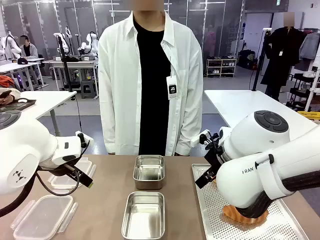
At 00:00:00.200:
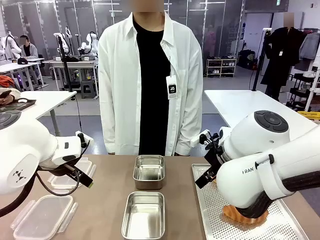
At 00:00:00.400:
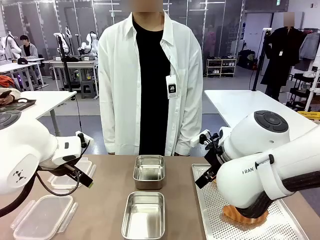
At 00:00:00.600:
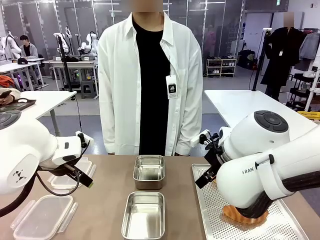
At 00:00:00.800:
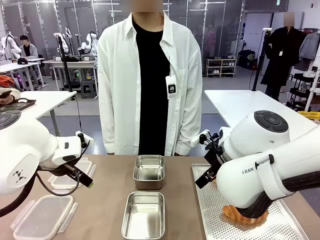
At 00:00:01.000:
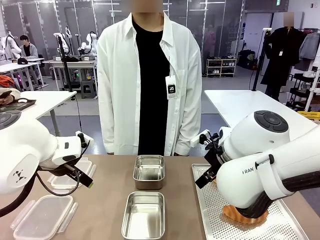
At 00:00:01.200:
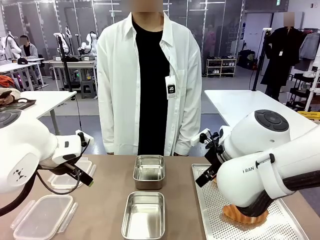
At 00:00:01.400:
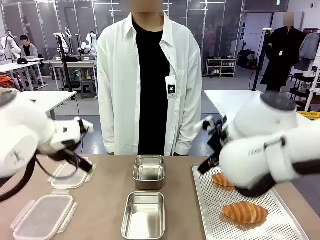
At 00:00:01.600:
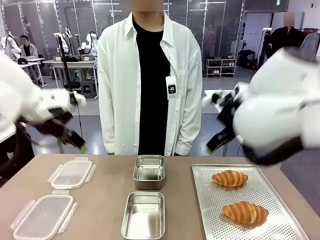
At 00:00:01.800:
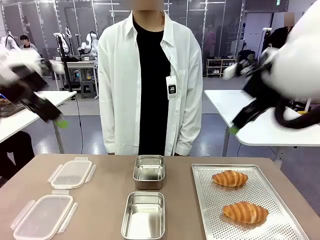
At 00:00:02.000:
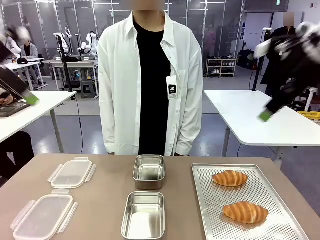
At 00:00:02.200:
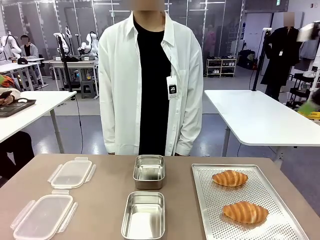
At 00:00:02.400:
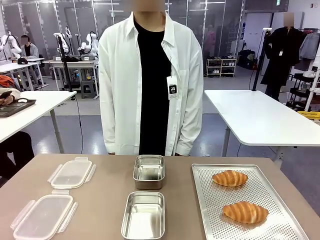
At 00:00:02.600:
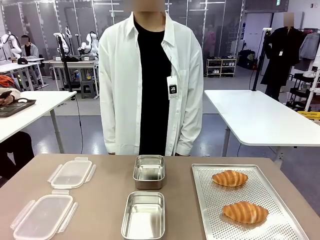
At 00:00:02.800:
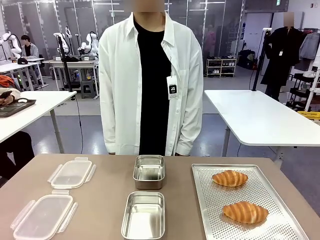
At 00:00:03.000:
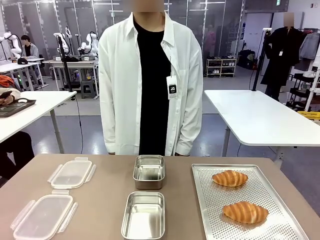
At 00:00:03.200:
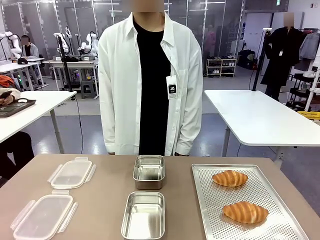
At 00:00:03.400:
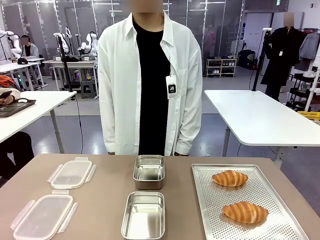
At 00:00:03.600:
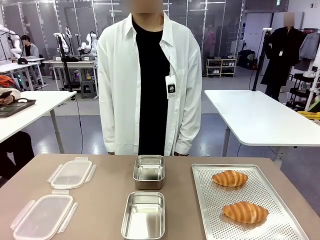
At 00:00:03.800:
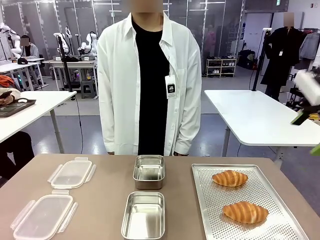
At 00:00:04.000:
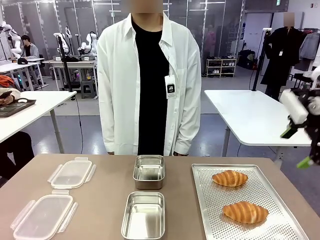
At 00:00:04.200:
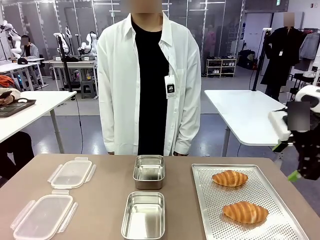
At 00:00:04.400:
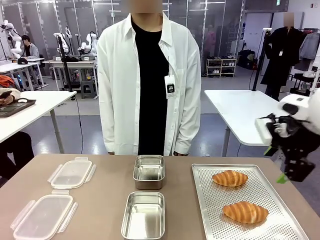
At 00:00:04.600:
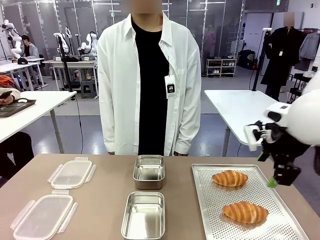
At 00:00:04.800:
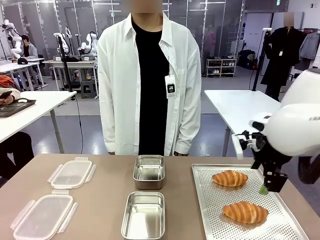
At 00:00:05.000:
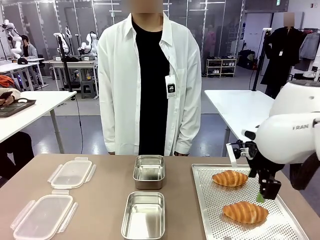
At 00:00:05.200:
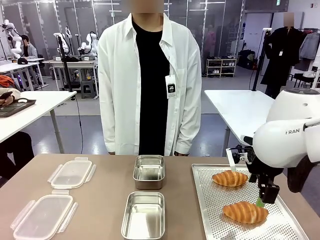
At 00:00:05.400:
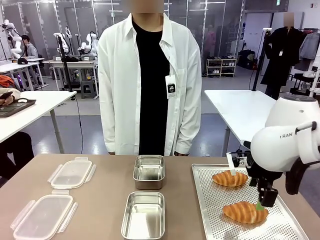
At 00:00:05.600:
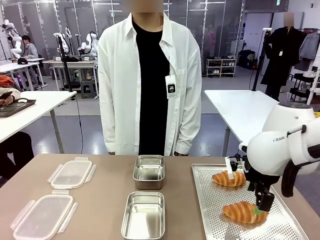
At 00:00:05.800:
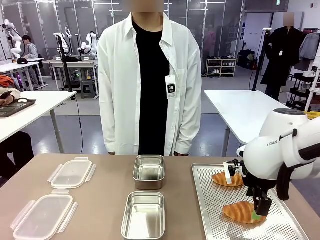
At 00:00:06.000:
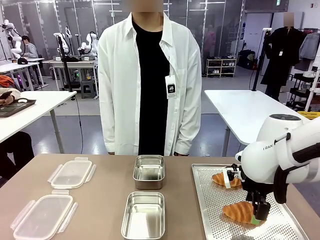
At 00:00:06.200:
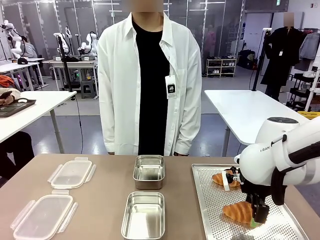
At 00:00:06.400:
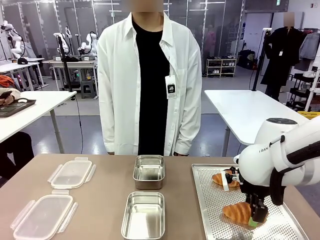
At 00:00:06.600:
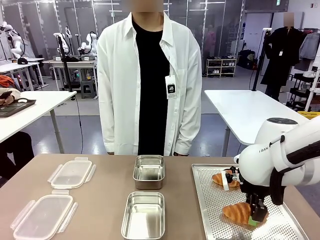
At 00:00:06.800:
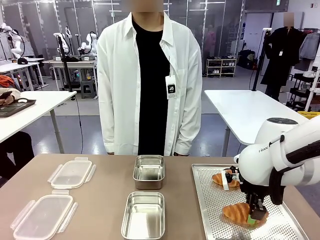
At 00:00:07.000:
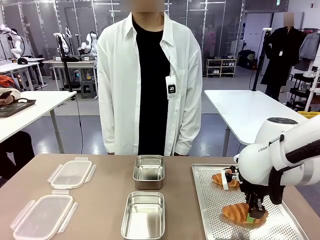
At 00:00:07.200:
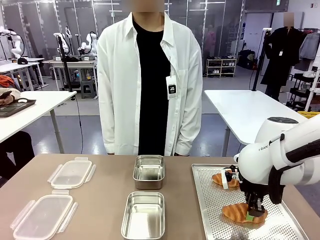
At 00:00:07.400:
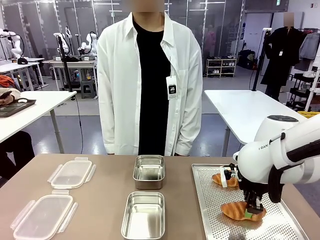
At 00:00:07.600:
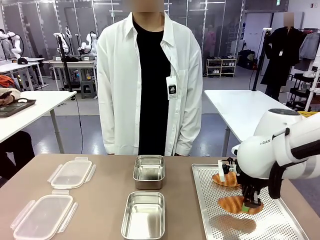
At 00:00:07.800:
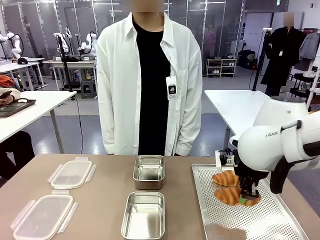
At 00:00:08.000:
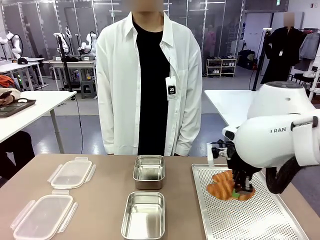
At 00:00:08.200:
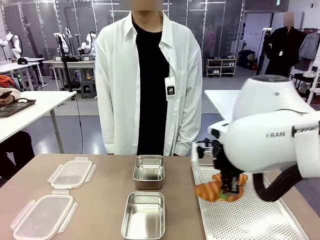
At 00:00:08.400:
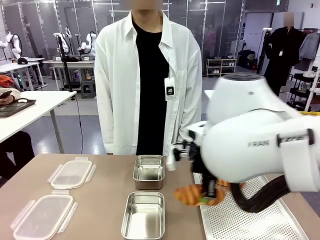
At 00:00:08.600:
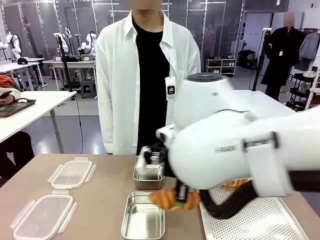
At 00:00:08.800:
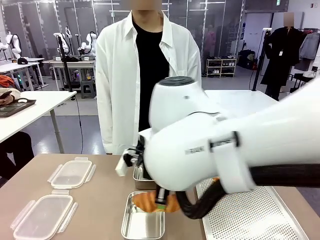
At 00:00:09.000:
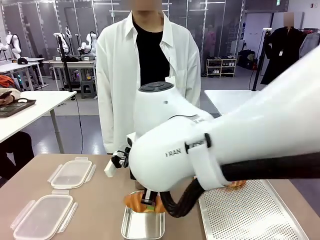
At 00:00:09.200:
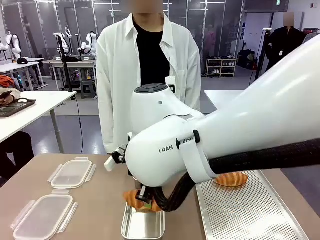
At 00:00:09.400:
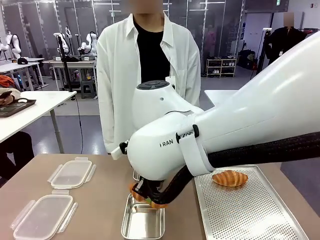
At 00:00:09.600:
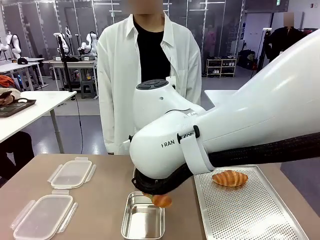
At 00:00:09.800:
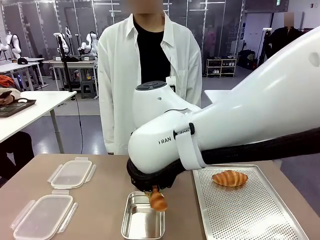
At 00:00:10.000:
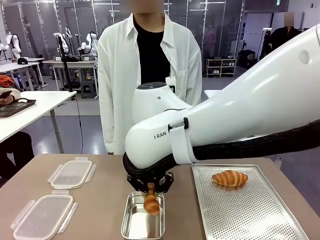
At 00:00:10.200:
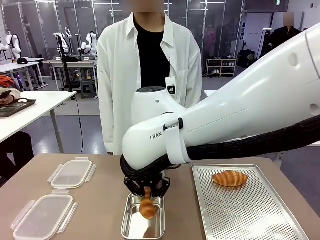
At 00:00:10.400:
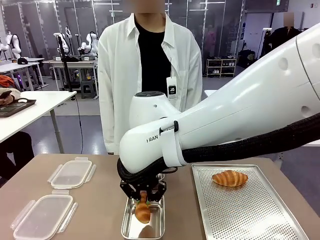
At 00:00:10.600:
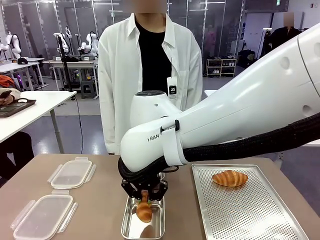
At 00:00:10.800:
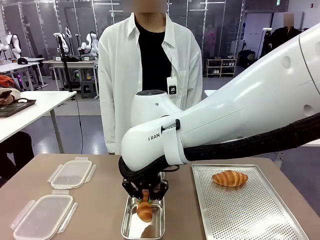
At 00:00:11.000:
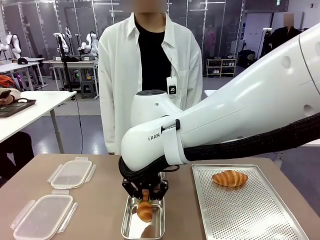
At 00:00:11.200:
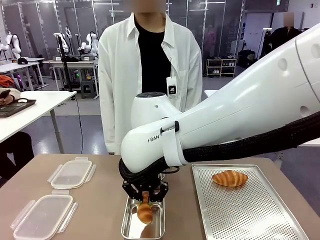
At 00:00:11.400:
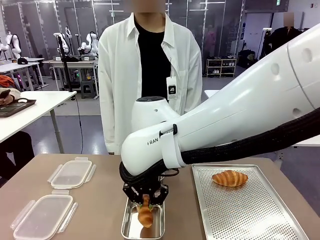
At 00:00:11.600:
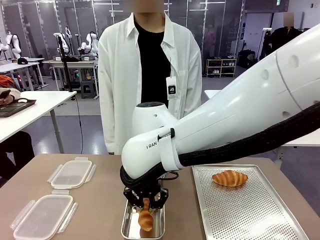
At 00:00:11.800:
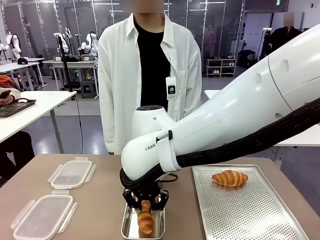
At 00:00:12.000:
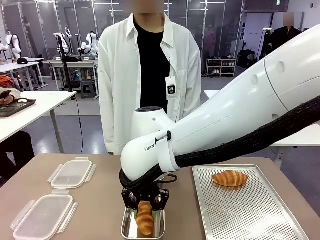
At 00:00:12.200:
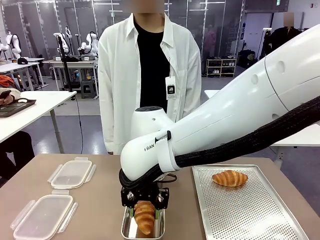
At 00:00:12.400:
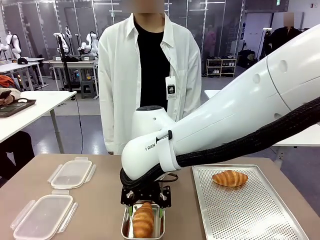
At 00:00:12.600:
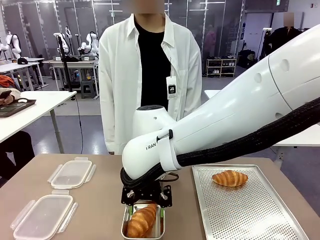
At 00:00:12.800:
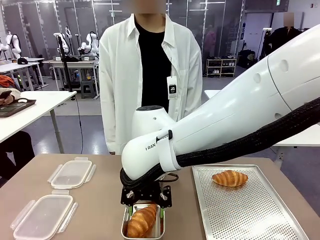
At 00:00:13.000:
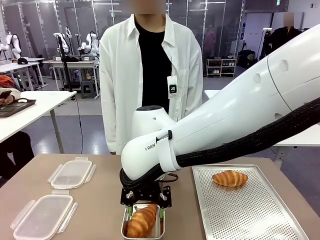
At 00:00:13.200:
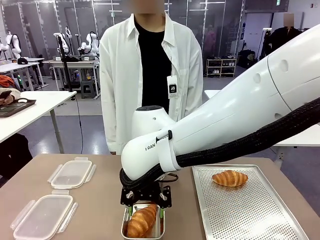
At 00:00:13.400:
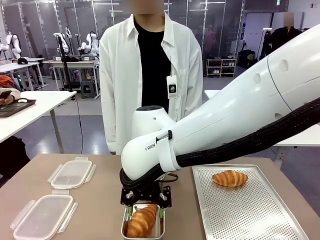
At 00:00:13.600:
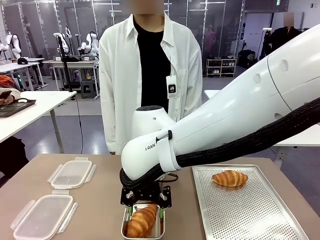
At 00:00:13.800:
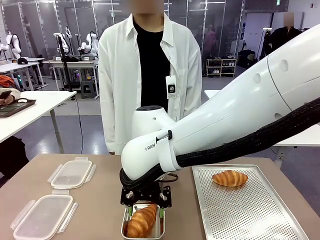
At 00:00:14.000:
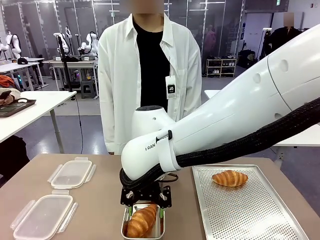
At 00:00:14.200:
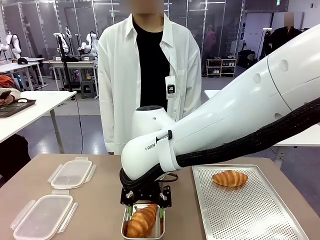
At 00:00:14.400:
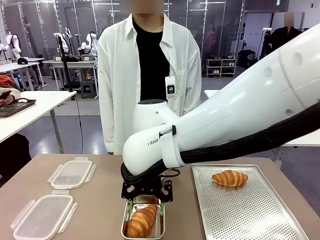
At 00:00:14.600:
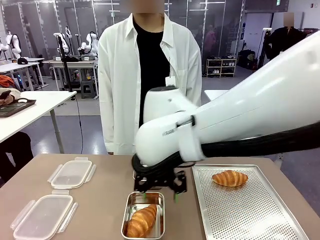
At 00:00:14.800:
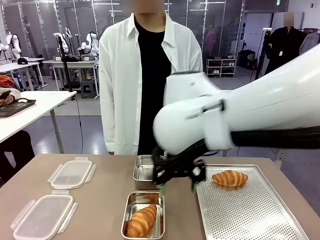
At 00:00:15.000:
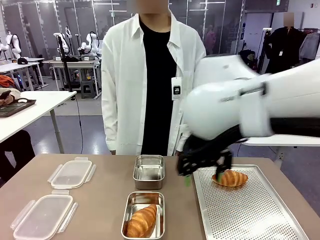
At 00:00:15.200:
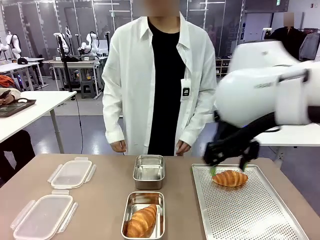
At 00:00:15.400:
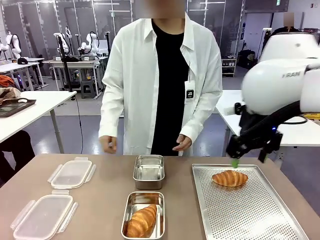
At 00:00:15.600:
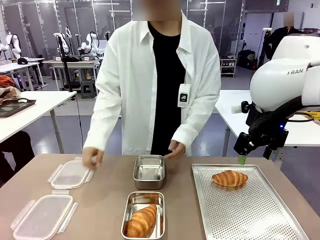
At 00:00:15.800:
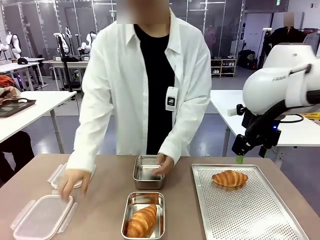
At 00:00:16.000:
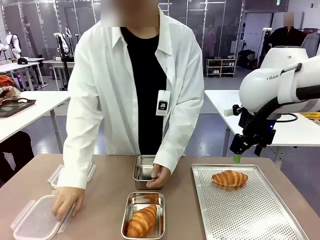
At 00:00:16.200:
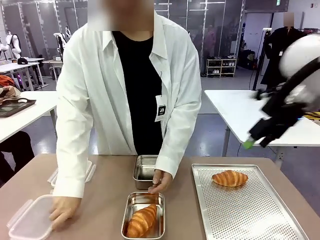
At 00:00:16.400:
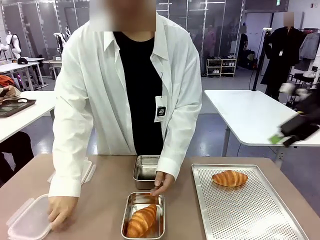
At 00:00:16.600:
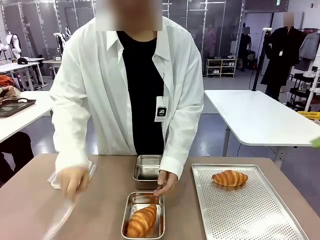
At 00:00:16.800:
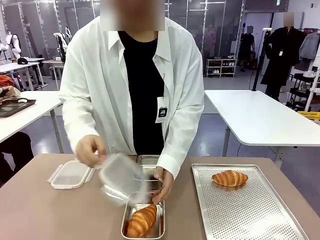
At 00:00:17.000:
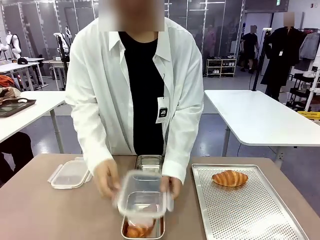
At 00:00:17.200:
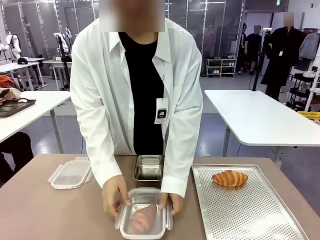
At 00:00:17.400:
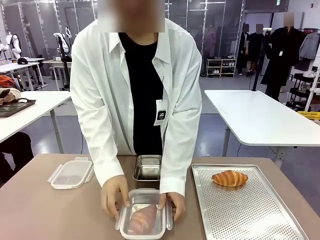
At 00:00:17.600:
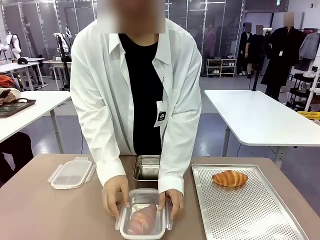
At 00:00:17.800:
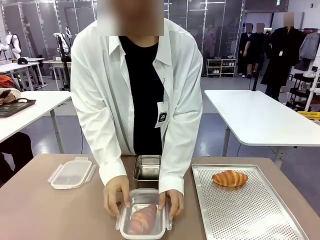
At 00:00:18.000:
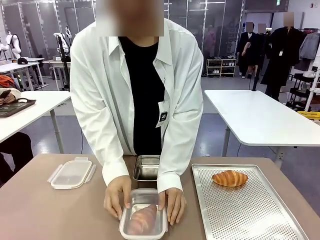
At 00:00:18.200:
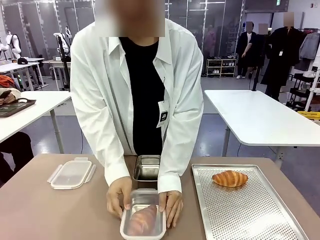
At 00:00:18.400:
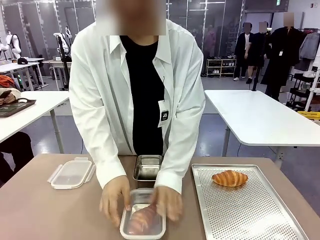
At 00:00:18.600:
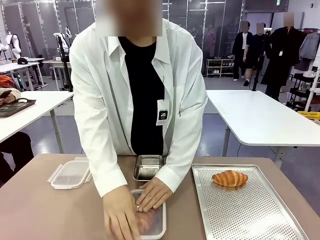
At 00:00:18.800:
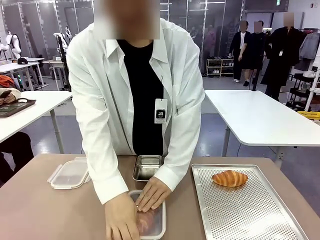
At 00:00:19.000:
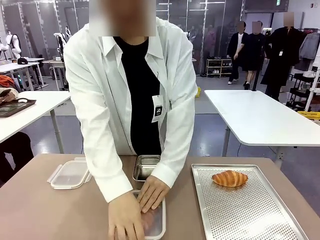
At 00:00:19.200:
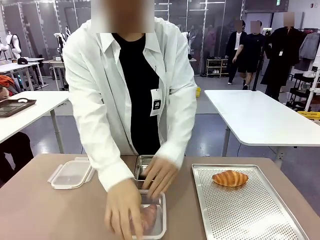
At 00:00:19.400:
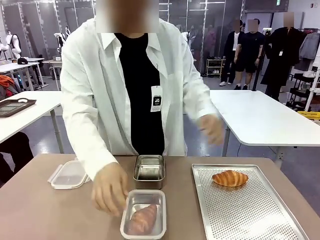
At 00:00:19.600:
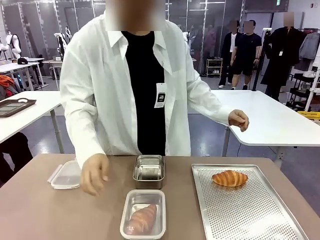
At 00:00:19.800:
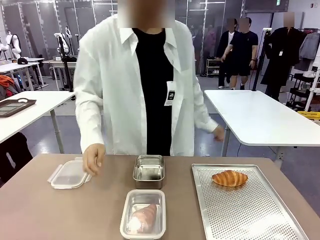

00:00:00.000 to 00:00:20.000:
Task: Place the bread into the airtight container.
Robot: Pick up a Butter Roll and place it into an empty Airtight Container.
